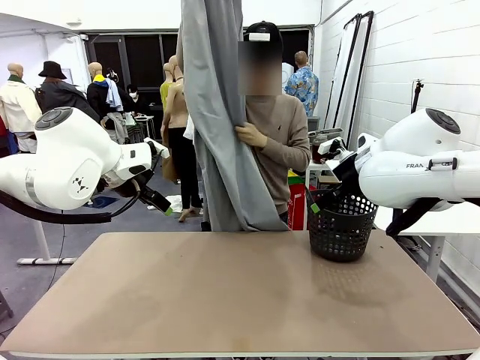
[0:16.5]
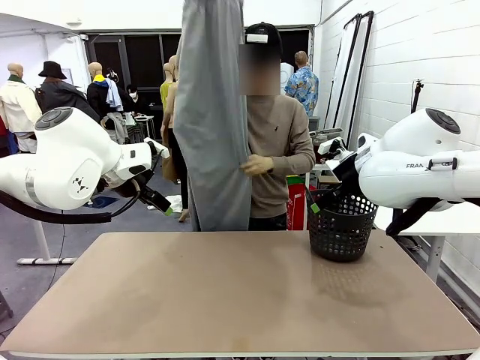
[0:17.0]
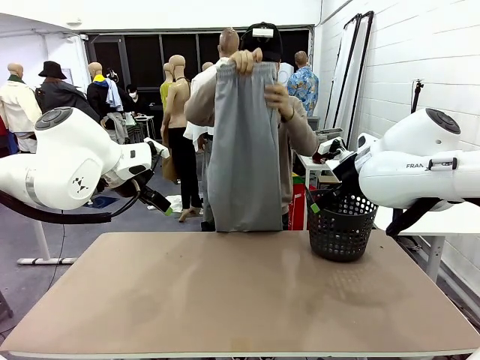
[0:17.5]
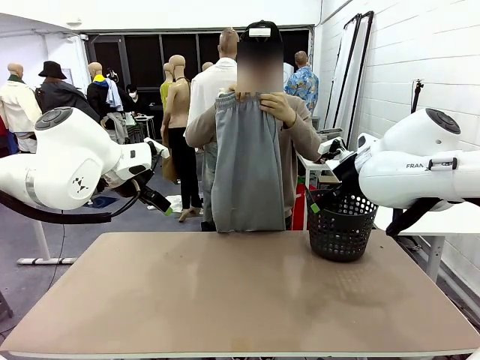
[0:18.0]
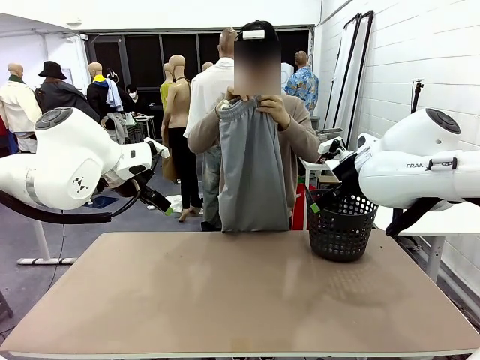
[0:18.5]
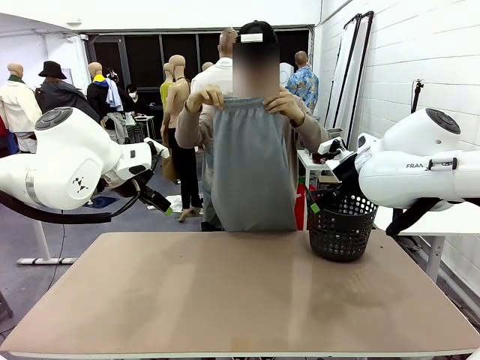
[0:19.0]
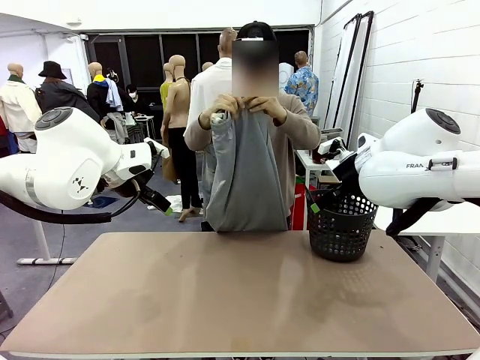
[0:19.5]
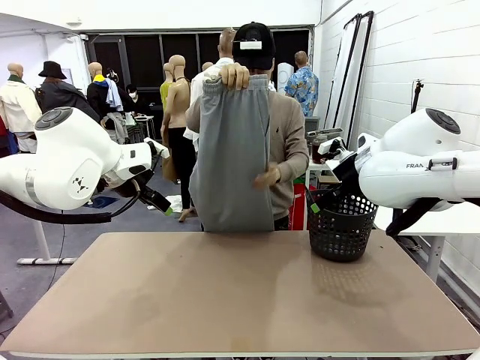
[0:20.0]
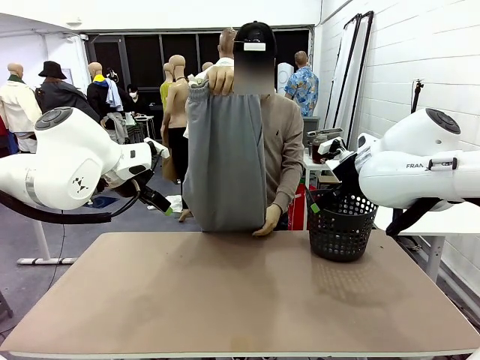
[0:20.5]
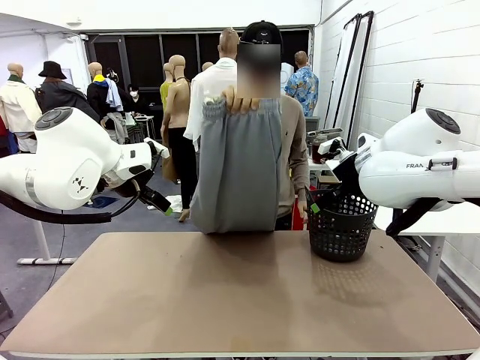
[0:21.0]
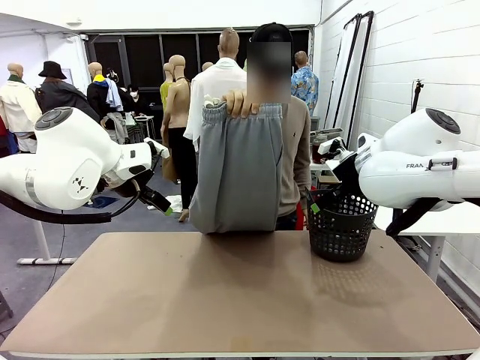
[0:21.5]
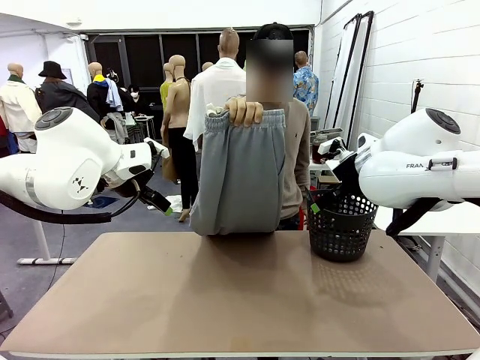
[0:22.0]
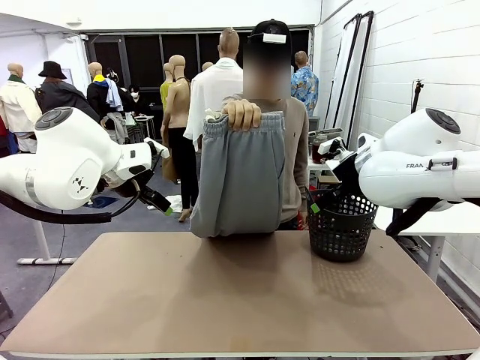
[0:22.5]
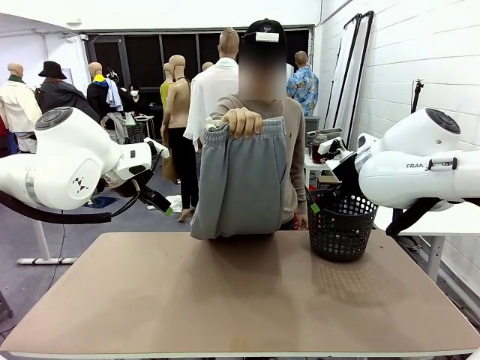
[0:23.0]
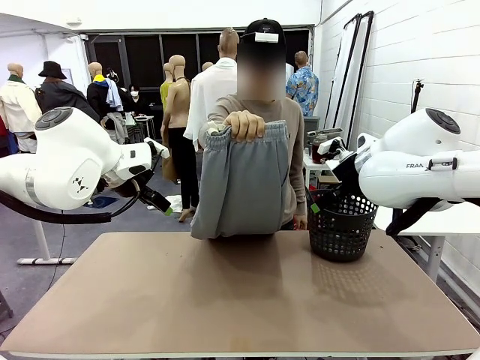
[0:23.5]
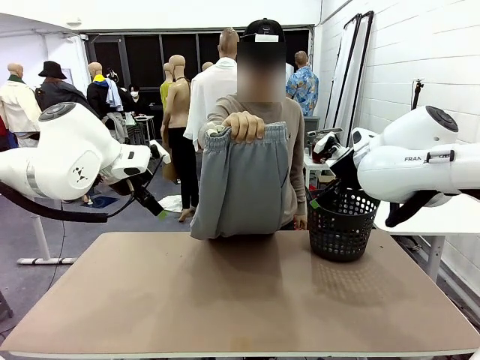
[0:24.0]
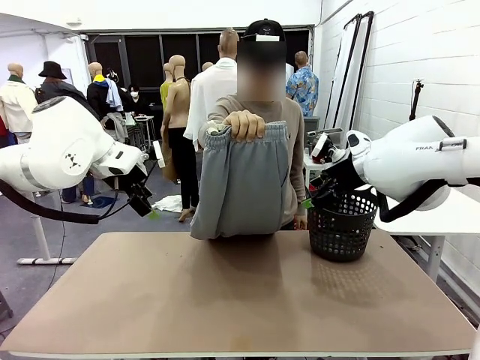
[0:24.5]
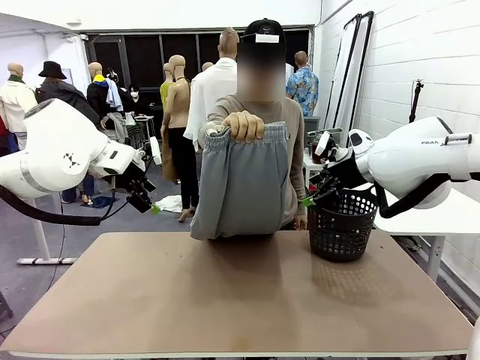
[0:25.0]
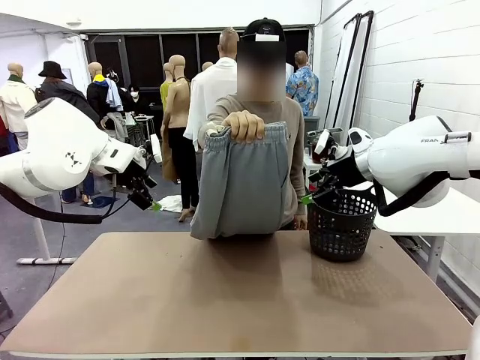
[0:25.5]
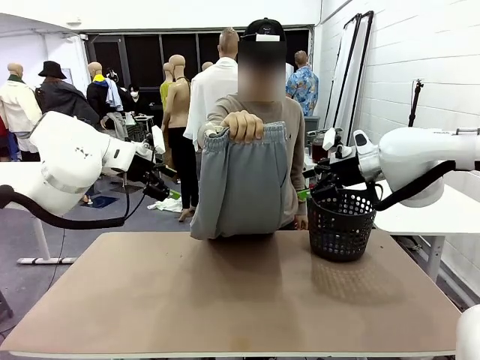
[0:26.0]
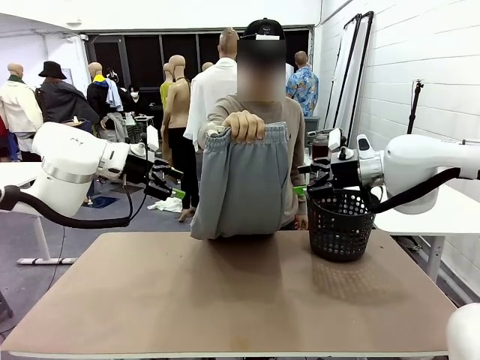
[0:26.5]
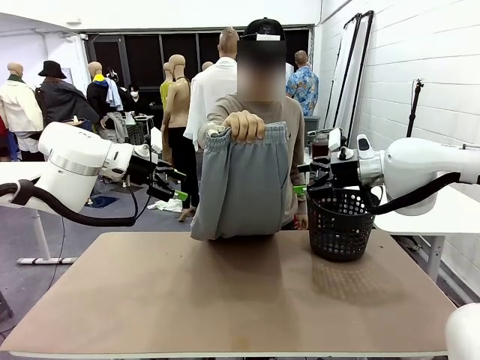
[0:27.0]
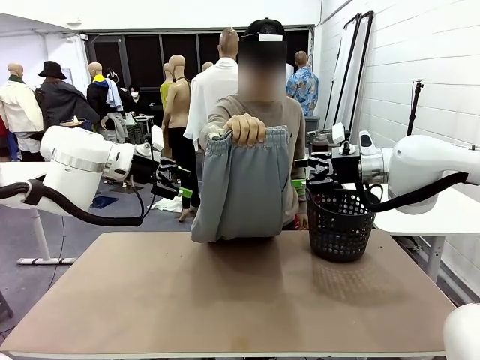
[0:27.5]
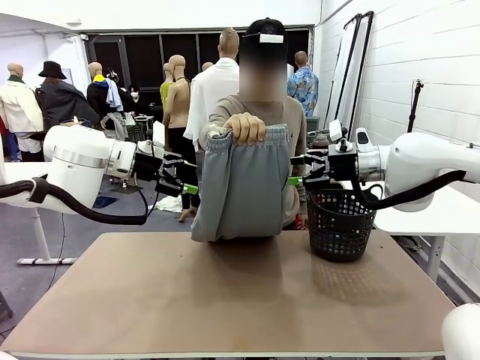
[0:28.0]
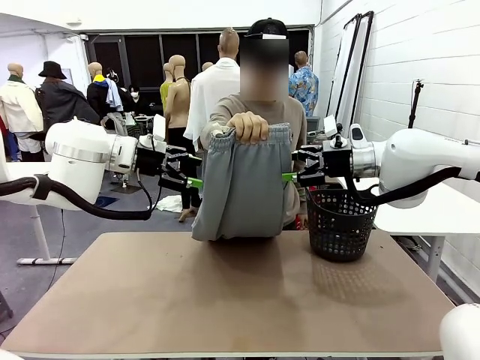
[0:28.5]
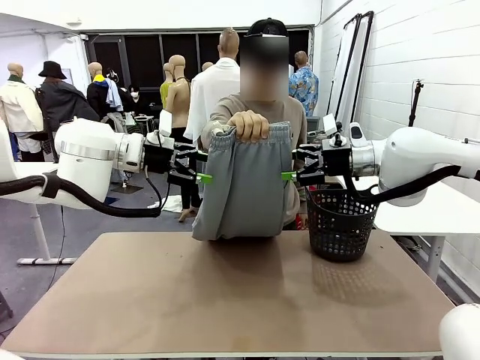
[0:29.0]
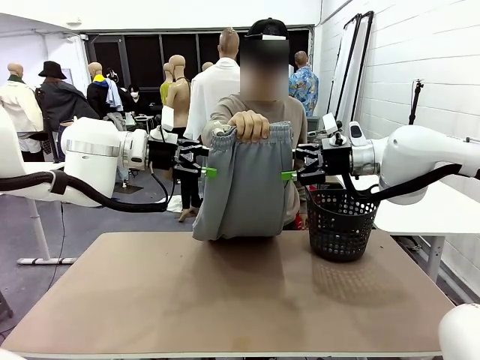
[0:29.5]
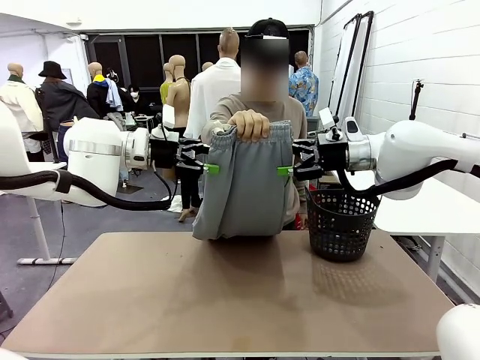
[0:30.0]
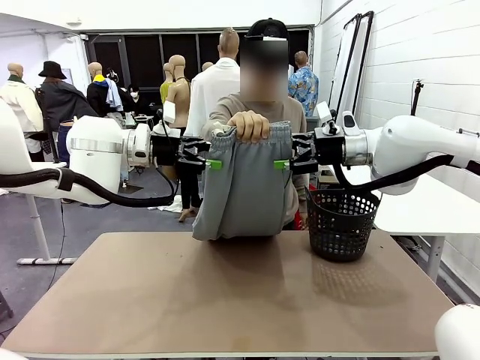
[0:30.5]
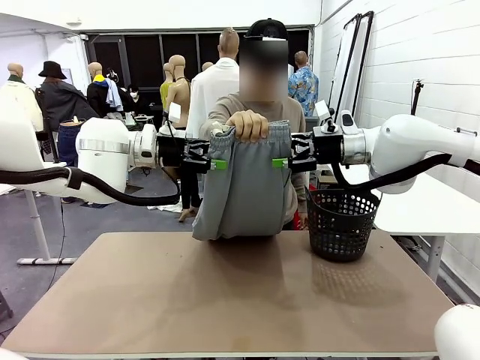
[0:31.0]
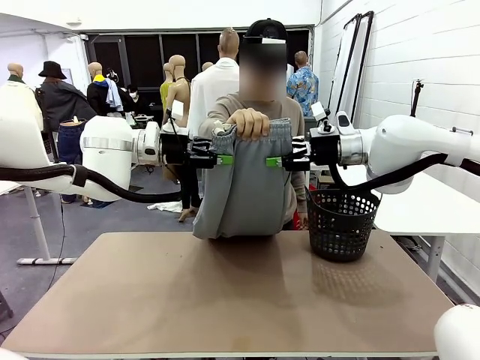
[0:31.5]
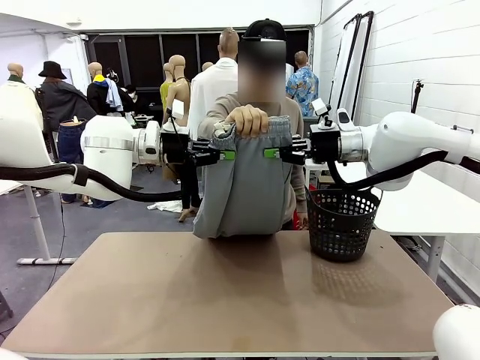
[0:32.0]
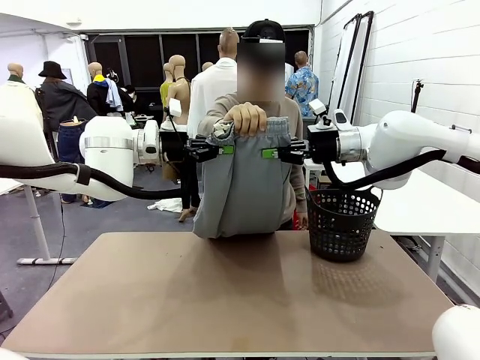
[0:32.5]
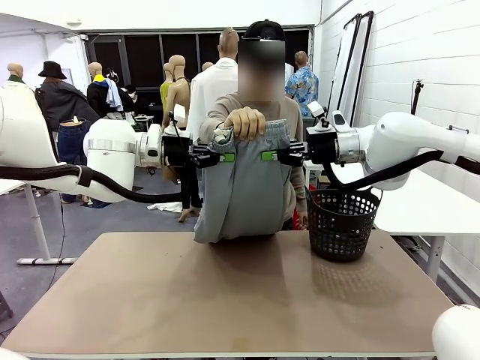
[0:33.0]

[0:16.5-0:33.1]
Task: Fold the training pants.
Robot: Grab both ends of the Training pants handed by a person.

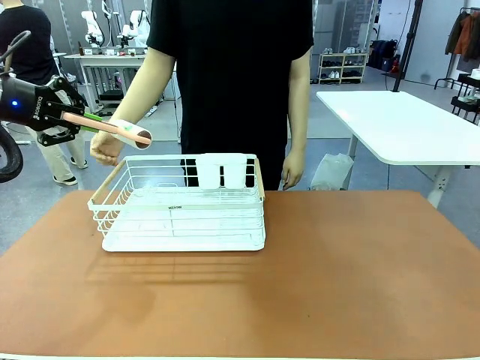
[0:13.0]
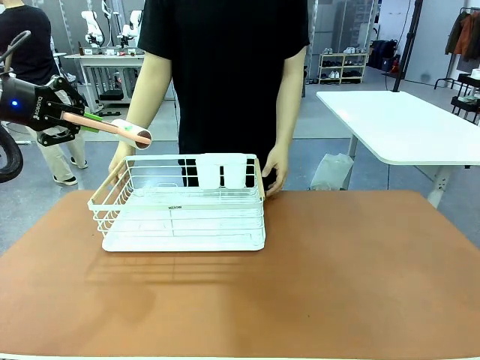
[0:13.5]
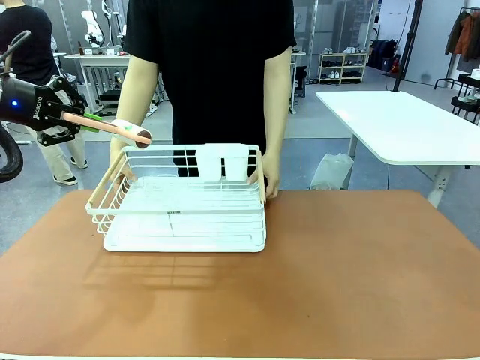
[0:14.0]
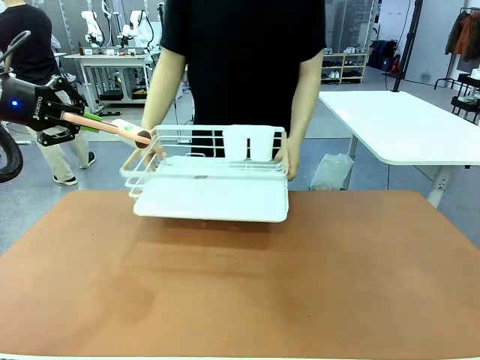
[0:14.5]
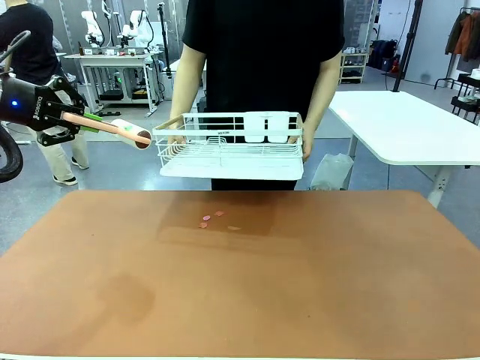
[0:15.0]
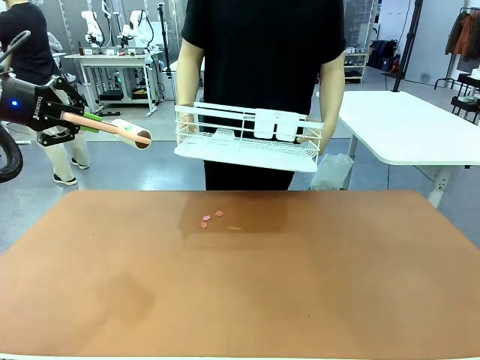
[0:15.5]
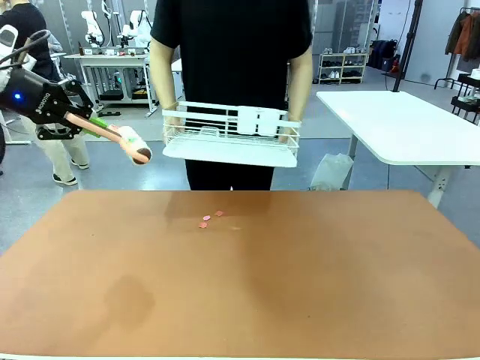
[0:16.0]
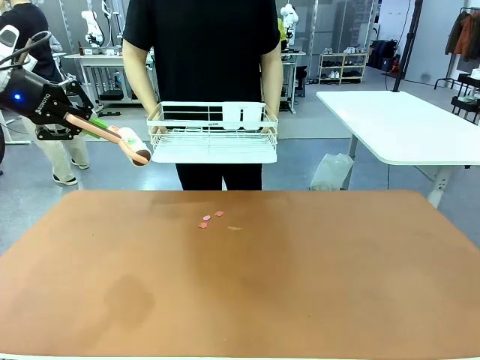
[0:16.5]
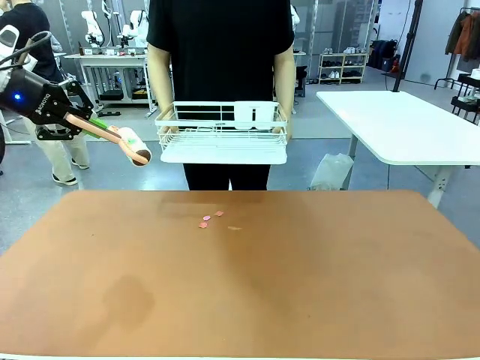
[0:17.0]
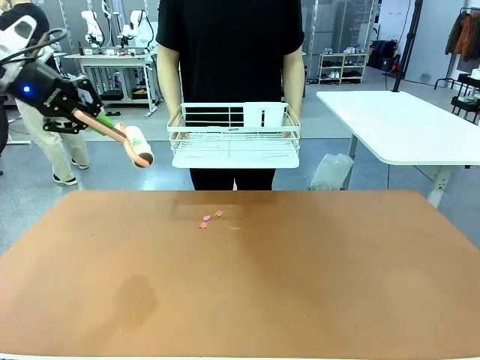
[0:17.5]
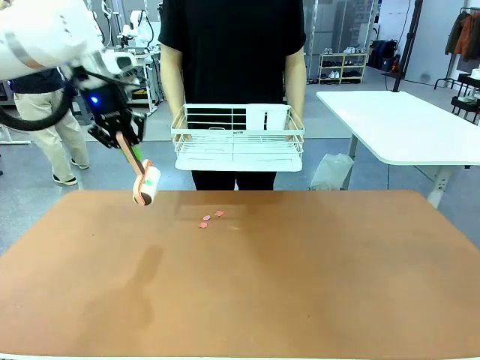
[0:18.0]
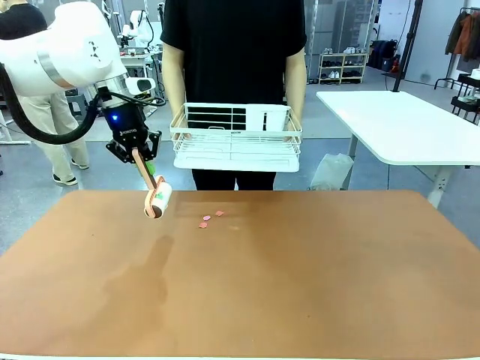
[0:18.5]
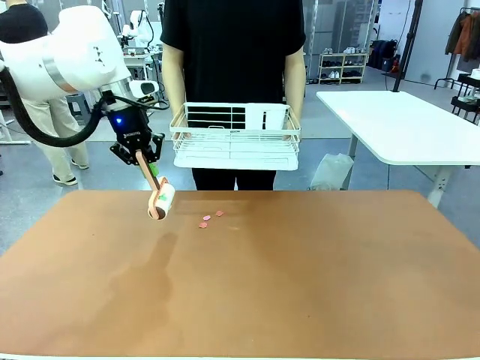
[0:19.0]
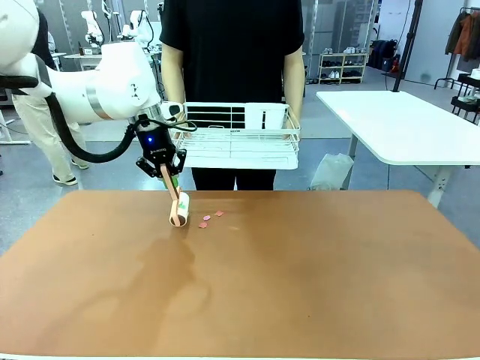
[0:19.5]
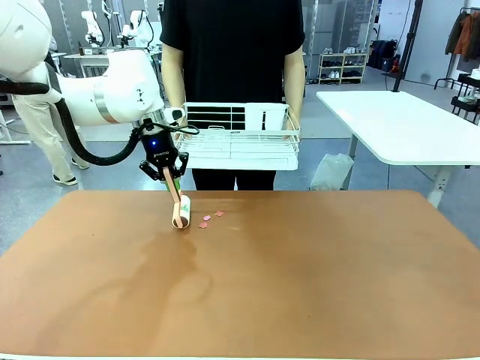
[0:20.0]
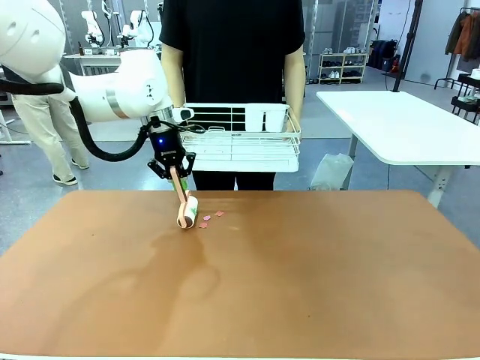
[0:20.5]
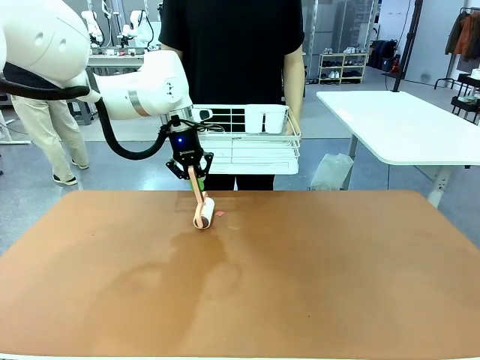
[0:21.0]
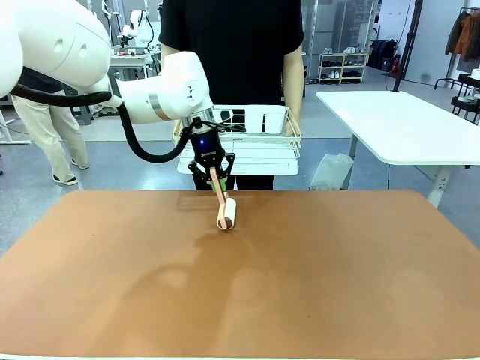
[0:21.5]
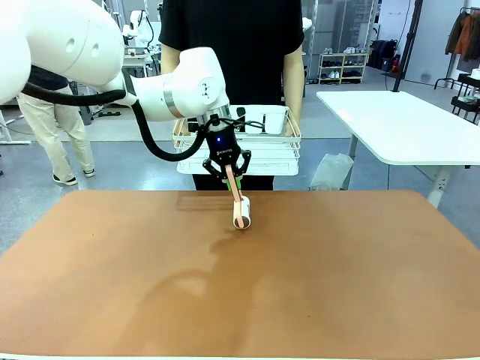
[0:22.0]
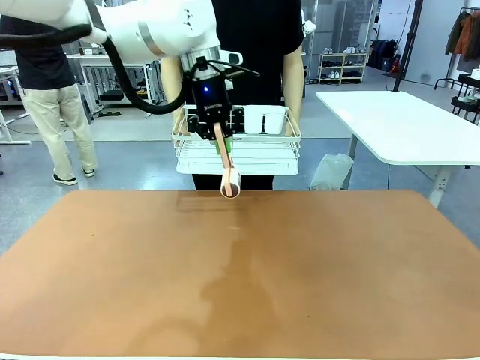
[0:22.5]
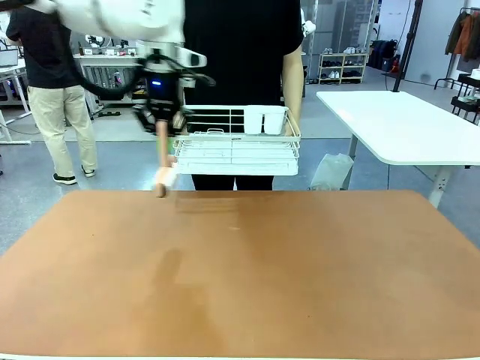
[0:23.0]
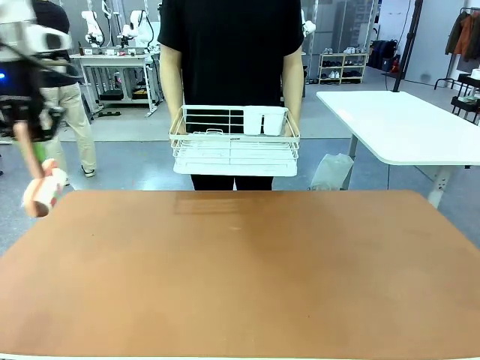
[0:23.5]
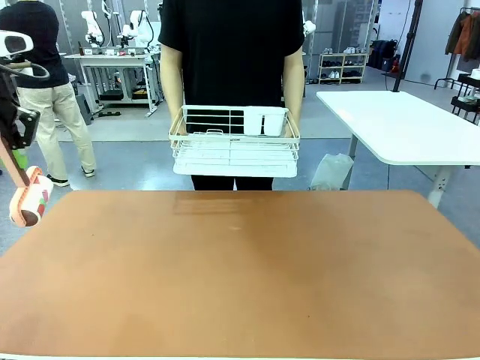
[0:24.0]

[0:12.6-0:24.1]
Task: Clean the table.
Robot: Clean the table with the Lint Roller when the human lifts the Dish drying rack.
